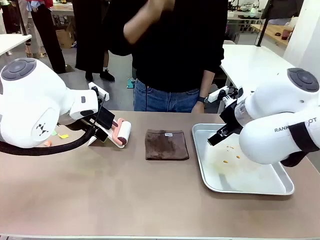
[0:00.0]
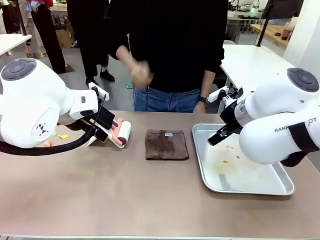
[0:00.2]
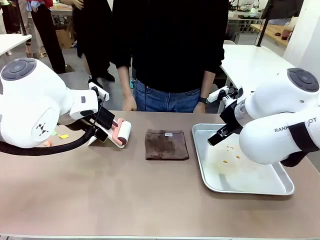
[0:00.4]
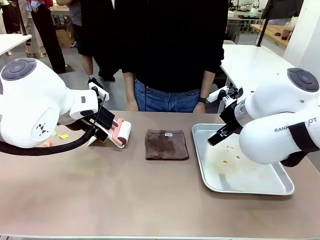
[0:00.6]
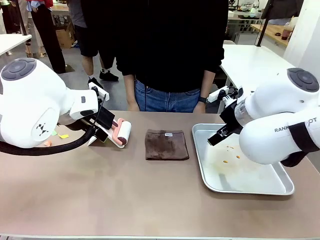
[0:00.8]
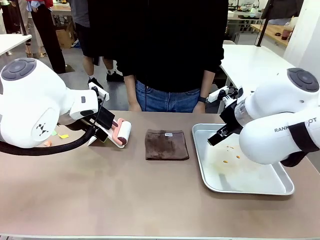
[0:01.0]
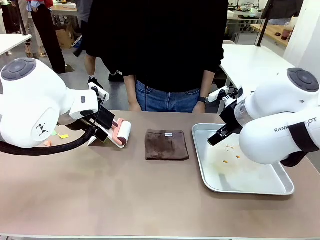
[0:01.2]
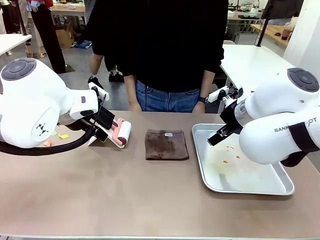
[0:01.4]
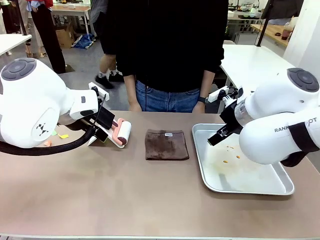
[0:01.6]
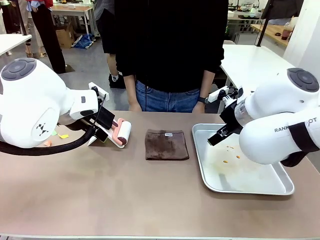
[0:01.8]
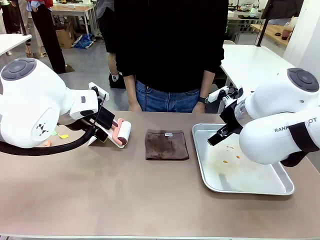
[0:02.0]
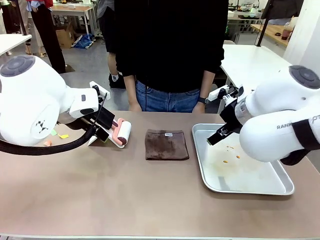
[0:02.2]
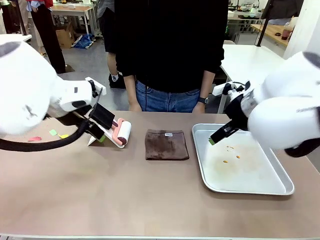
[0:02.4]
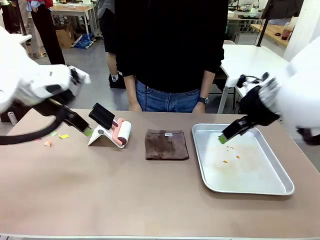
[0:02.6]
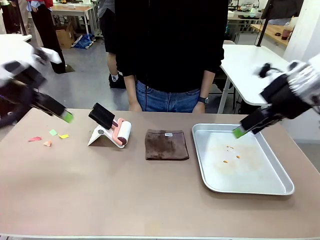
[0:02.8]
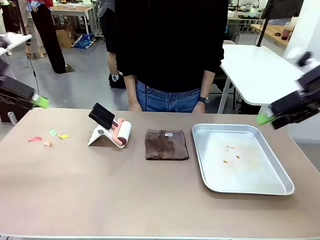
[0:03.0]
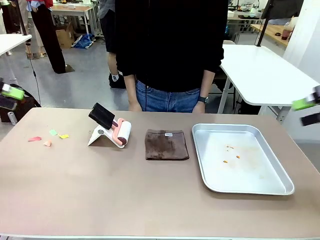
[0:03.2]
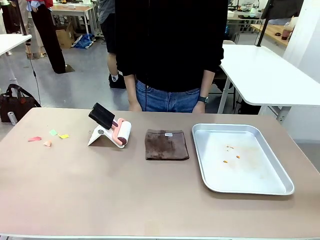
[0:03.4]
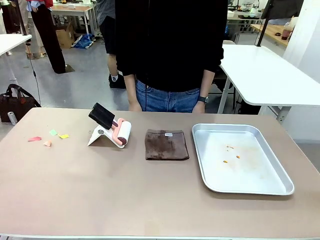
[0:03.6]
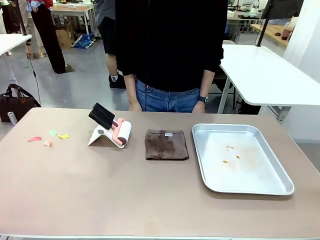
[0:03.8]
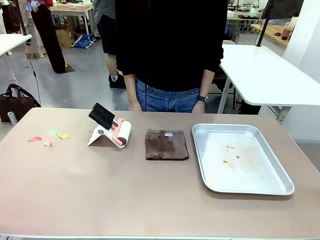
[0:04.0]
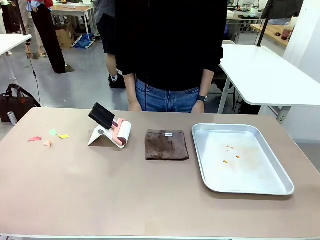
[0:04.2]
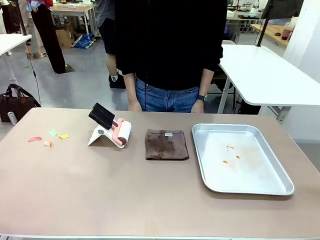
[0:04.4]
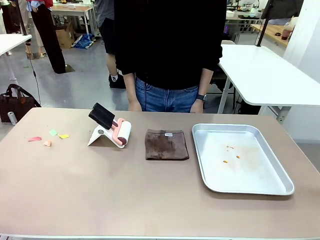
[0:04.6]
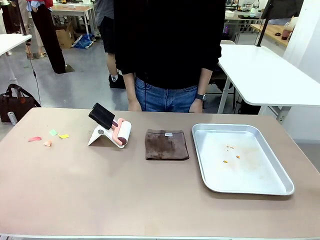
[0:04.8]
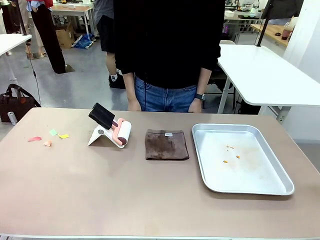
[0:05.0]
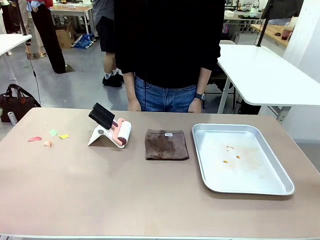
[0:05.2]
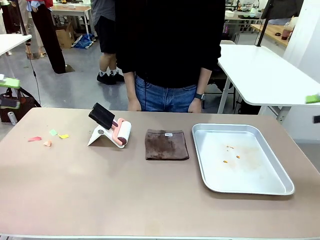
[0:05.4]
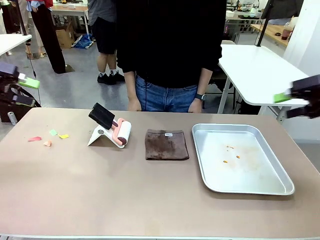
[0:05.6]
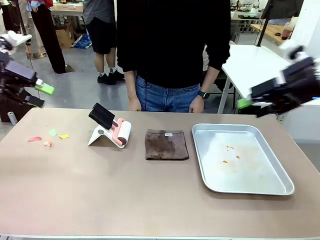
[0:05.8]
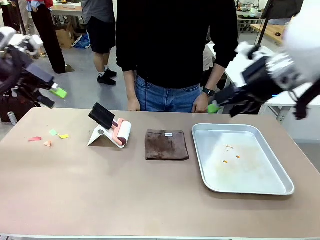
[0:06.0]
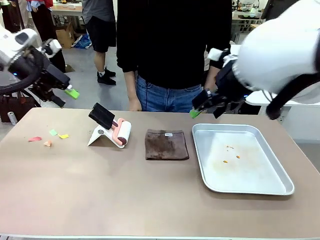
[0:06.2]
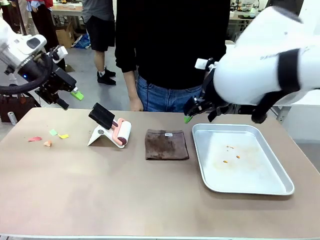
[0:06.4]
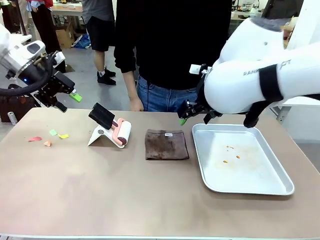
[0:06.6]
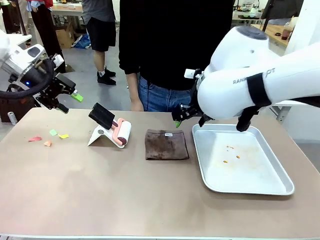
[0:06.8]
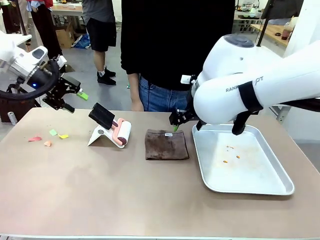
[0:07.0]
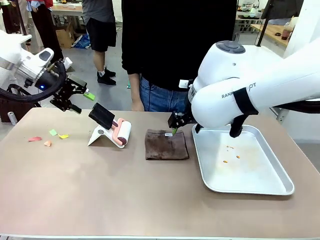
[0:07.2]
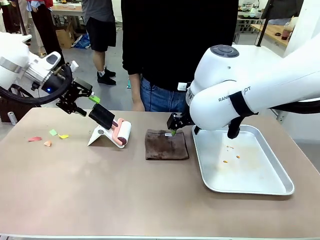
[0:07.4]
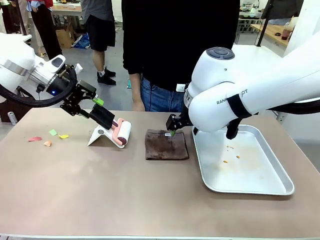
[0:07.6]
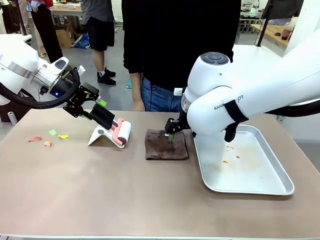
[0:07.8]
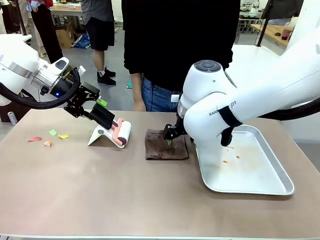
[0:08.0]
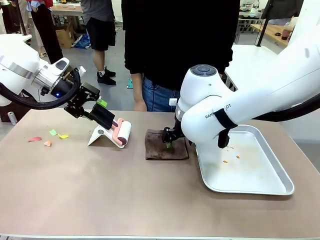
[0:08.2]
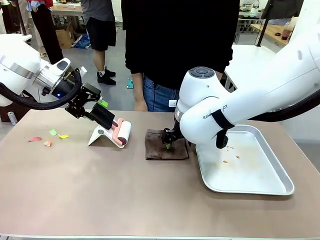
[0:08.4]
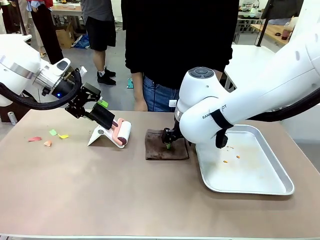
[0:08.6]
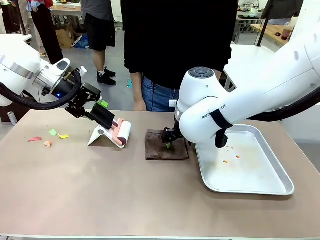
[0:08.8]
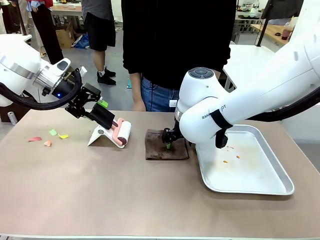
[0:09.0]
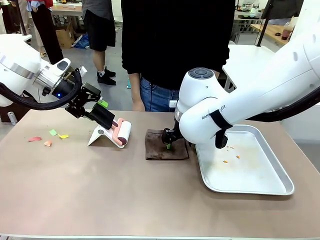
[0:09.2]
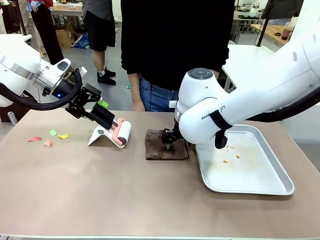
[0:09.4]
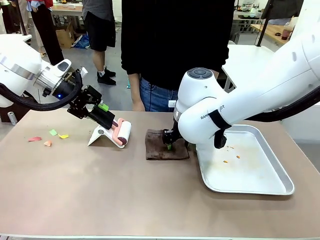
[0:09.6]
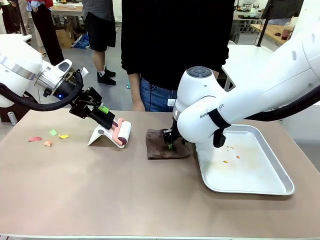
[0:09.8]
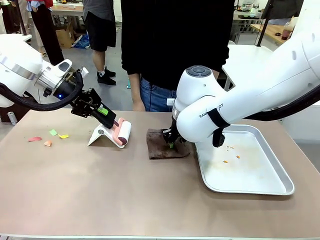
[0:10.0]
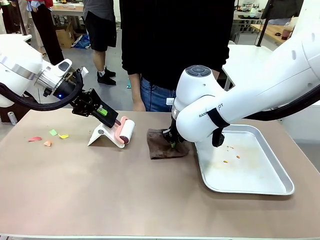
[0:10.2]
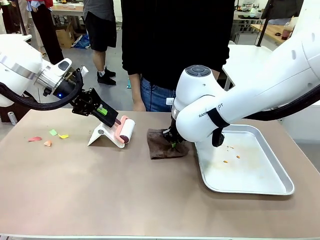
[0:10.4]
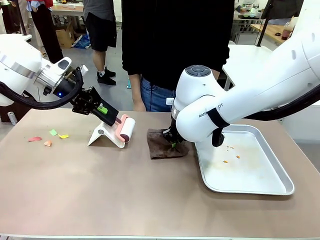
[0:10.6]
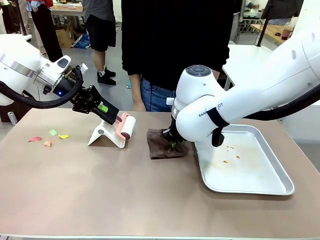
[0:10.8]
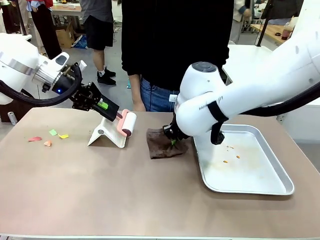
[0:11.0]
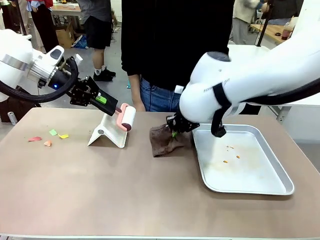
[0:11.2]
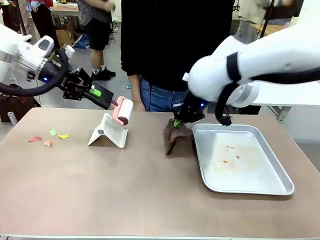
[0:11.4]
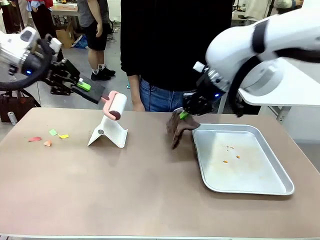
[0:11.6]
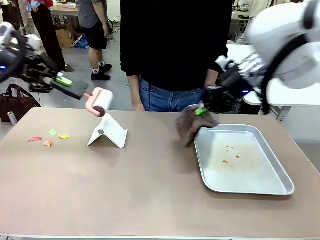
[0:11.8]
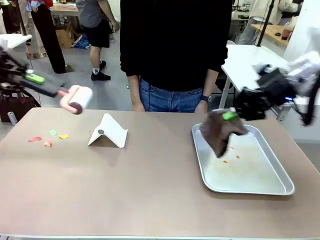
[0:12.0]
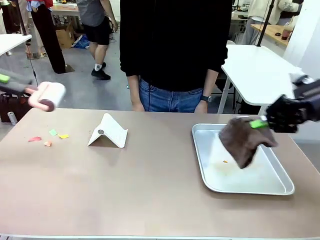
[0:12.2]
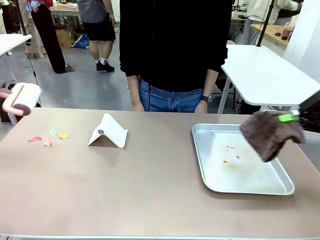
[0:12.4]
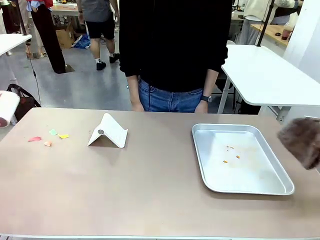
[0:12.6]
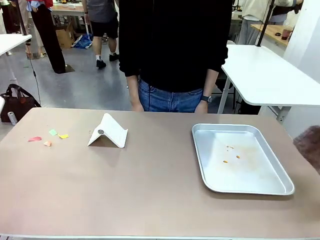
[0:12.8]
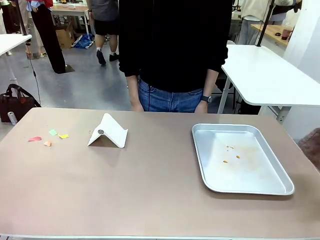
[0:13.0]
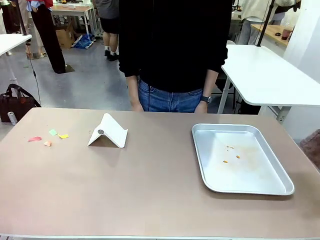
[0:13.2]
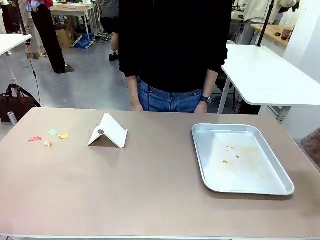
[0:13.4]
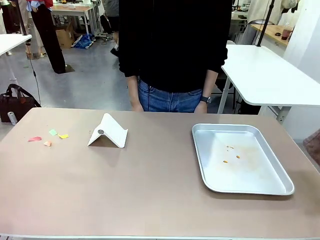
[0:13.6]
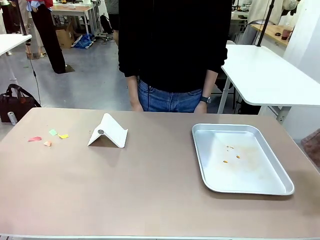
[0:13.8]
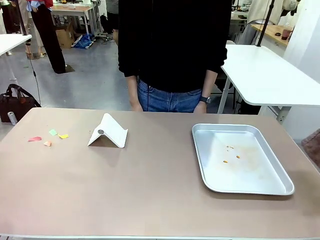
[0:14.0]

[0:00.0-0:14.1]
Task: Clean the surface of the table.
Robot: Hold the Lint Roller with your left hand and the towel with your right hand.
